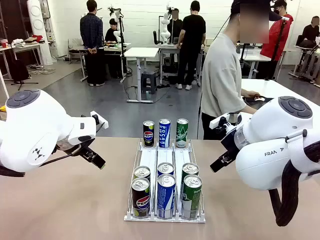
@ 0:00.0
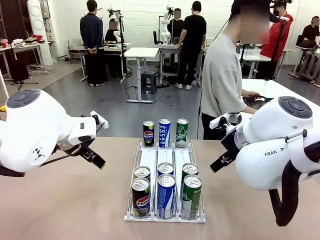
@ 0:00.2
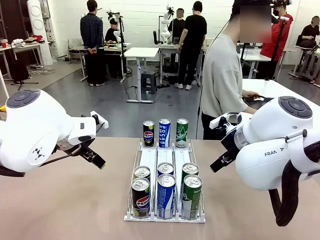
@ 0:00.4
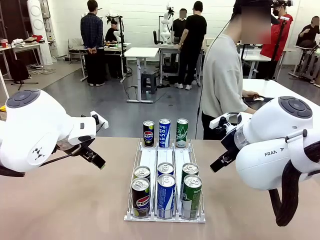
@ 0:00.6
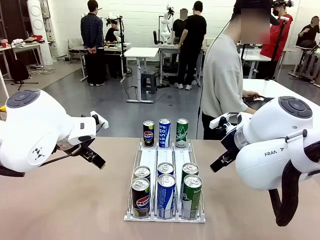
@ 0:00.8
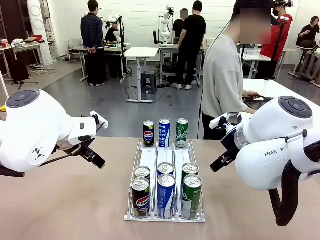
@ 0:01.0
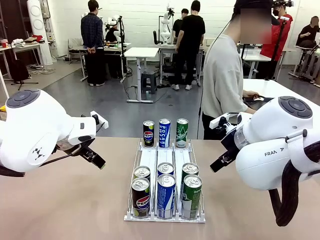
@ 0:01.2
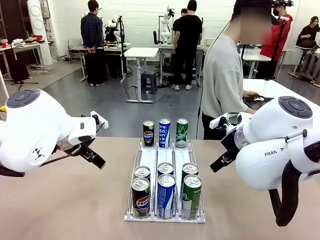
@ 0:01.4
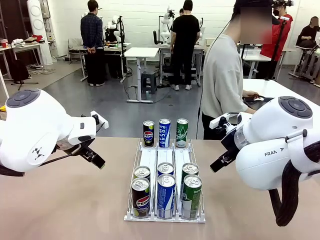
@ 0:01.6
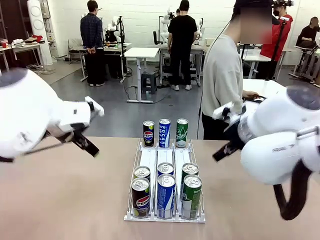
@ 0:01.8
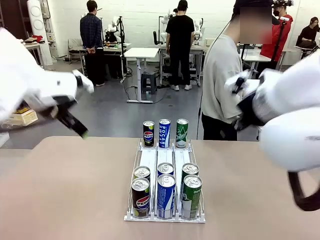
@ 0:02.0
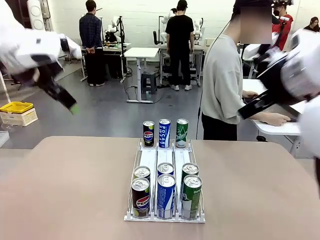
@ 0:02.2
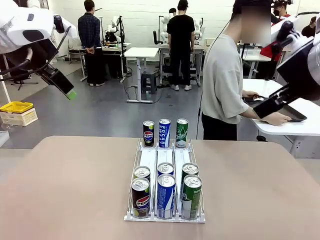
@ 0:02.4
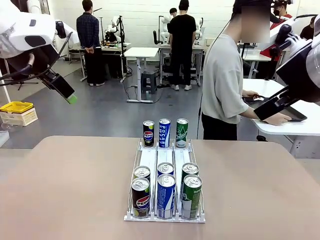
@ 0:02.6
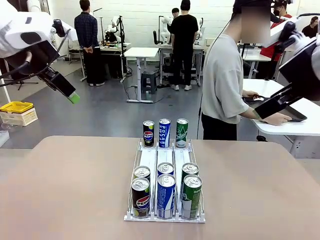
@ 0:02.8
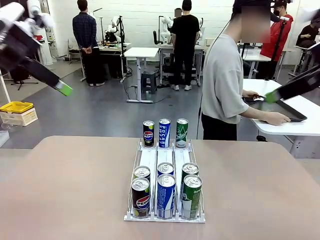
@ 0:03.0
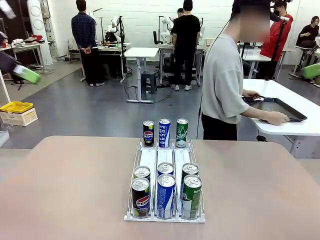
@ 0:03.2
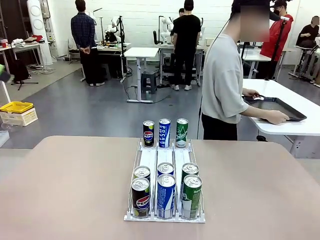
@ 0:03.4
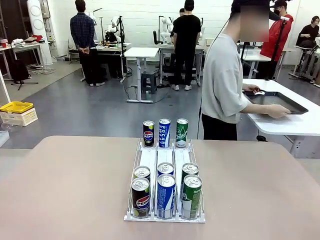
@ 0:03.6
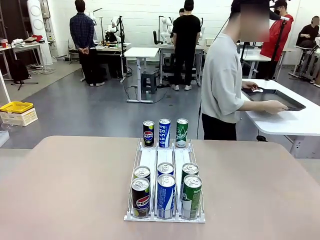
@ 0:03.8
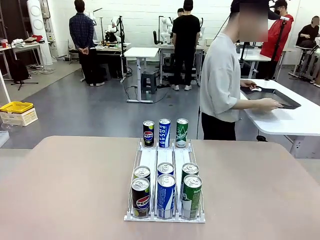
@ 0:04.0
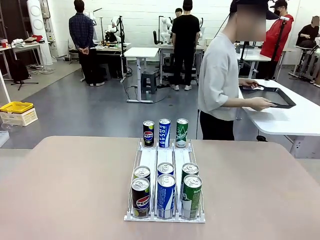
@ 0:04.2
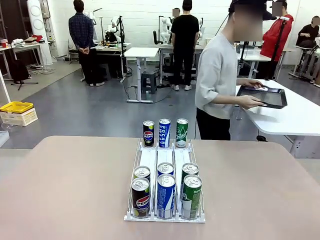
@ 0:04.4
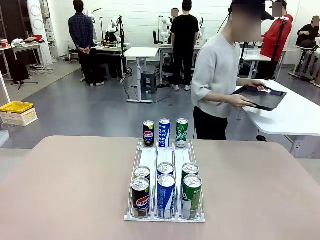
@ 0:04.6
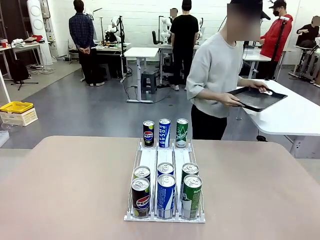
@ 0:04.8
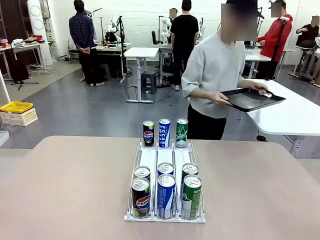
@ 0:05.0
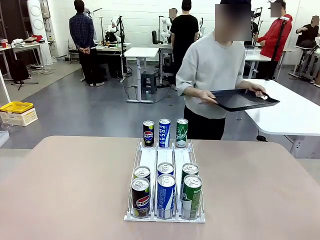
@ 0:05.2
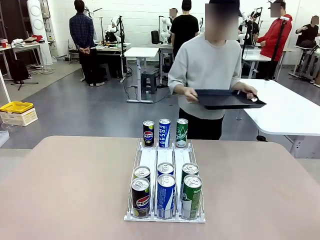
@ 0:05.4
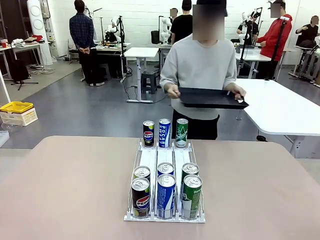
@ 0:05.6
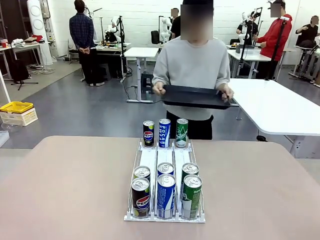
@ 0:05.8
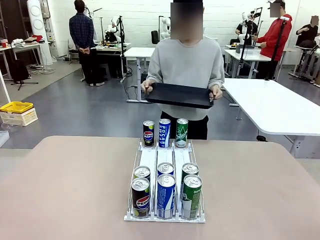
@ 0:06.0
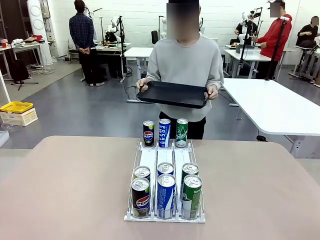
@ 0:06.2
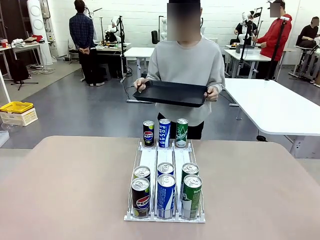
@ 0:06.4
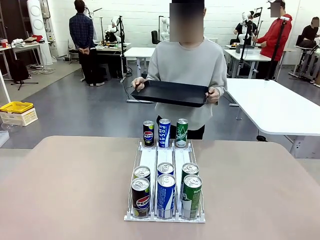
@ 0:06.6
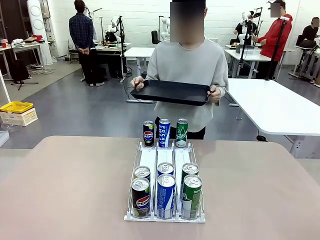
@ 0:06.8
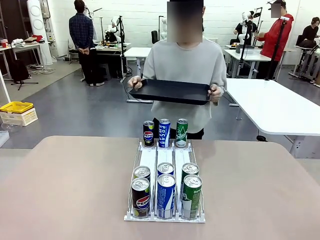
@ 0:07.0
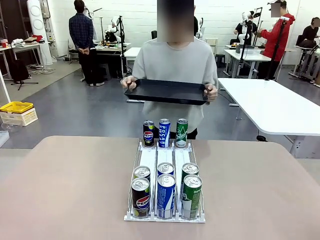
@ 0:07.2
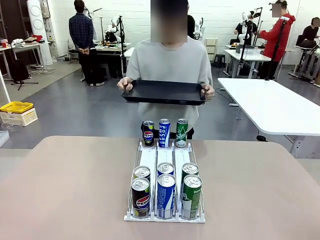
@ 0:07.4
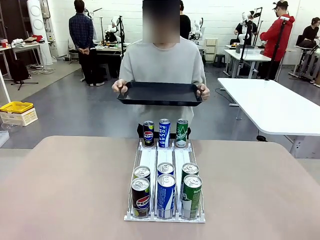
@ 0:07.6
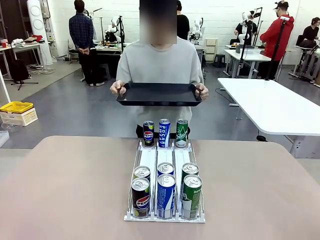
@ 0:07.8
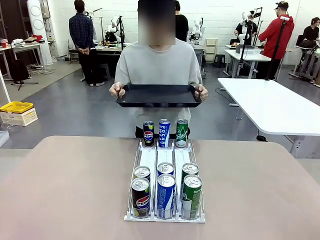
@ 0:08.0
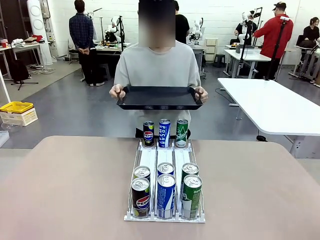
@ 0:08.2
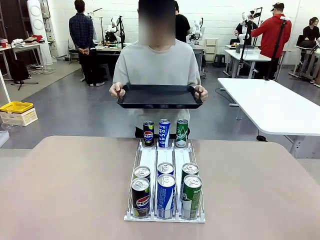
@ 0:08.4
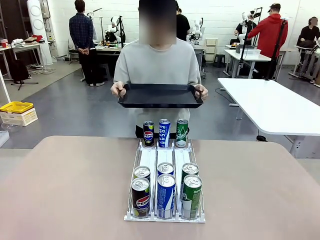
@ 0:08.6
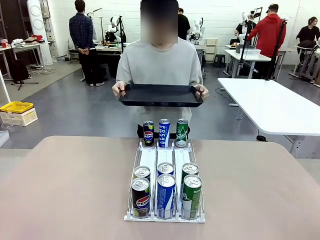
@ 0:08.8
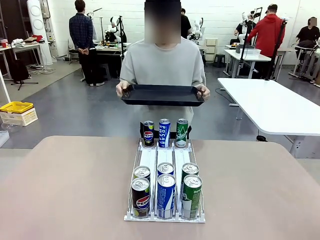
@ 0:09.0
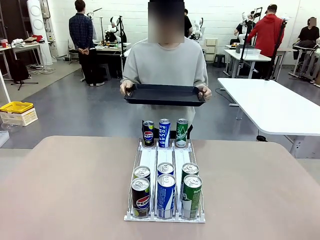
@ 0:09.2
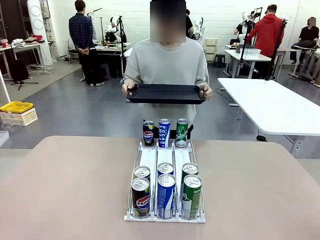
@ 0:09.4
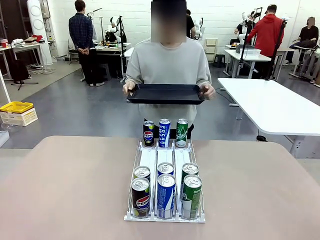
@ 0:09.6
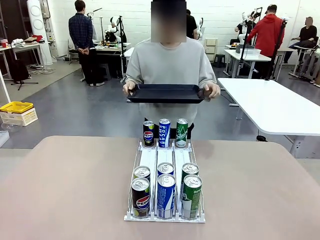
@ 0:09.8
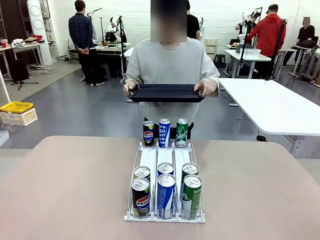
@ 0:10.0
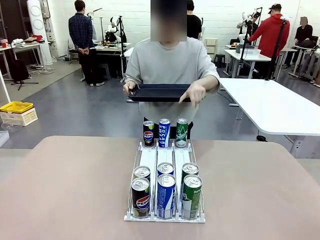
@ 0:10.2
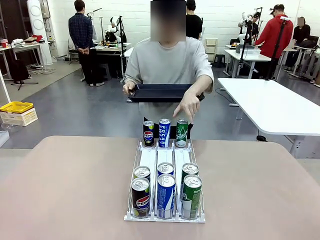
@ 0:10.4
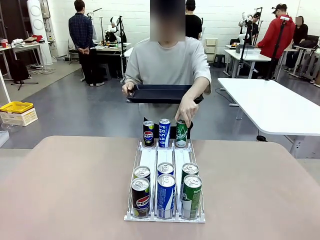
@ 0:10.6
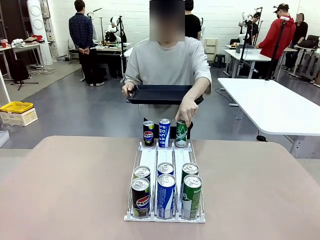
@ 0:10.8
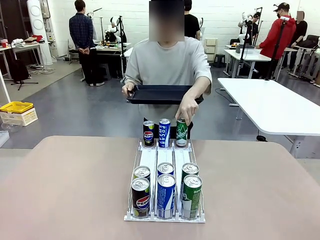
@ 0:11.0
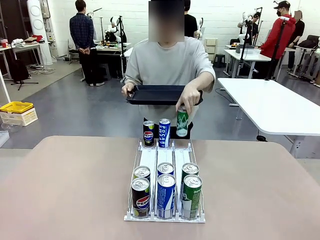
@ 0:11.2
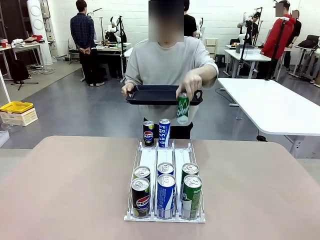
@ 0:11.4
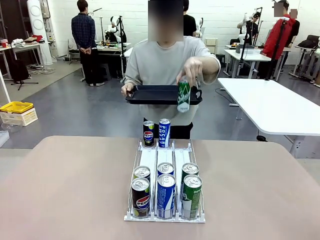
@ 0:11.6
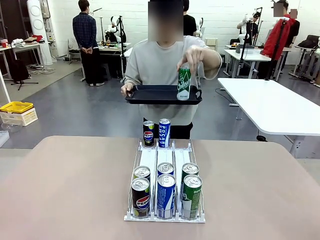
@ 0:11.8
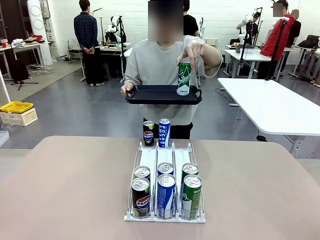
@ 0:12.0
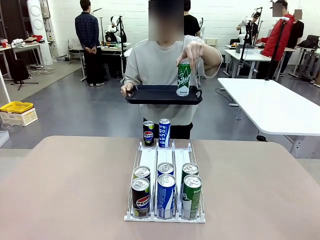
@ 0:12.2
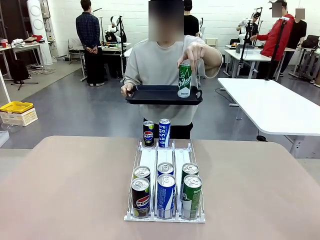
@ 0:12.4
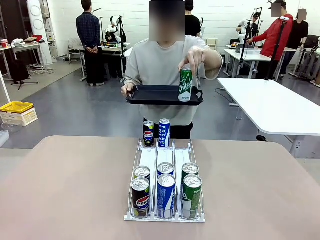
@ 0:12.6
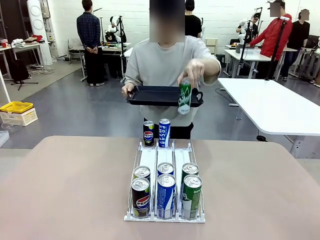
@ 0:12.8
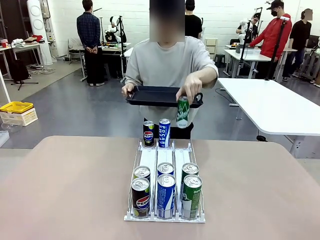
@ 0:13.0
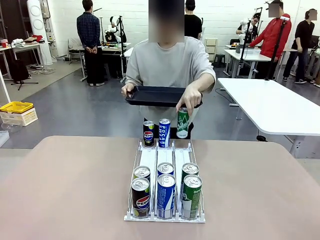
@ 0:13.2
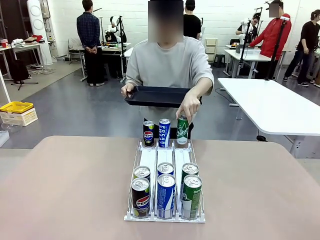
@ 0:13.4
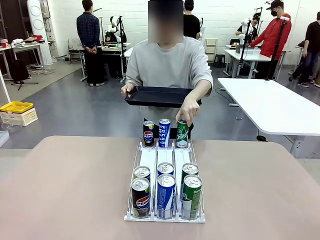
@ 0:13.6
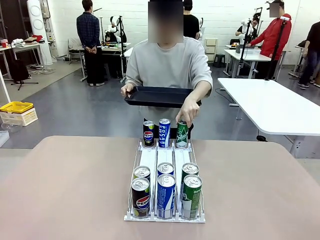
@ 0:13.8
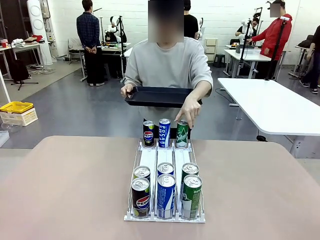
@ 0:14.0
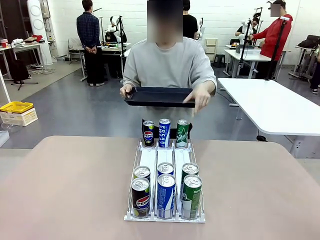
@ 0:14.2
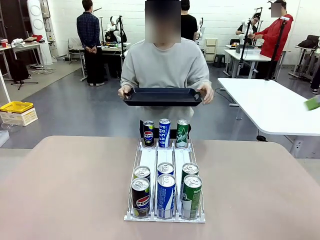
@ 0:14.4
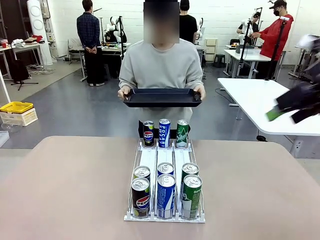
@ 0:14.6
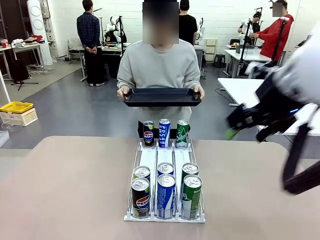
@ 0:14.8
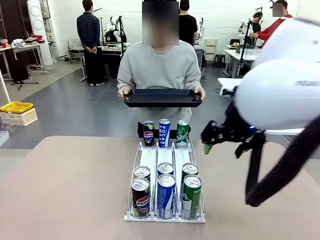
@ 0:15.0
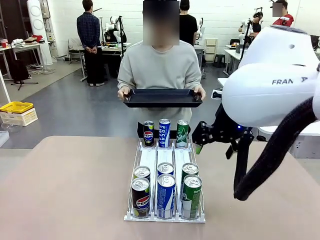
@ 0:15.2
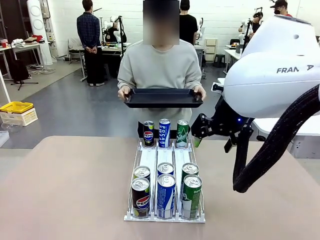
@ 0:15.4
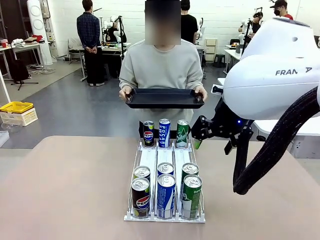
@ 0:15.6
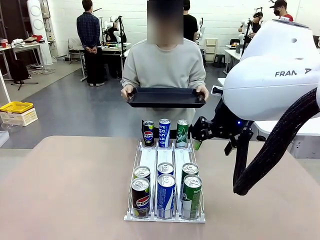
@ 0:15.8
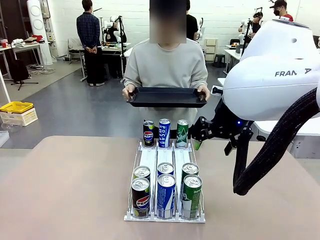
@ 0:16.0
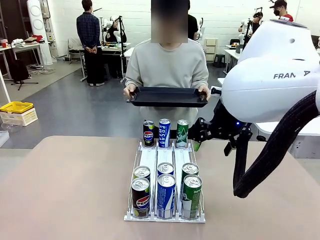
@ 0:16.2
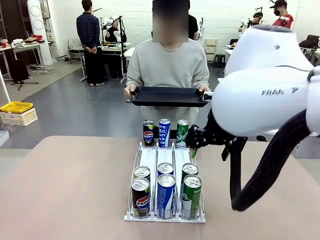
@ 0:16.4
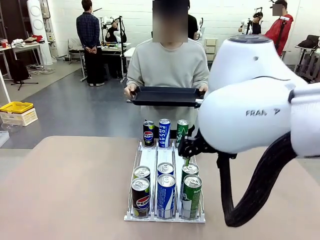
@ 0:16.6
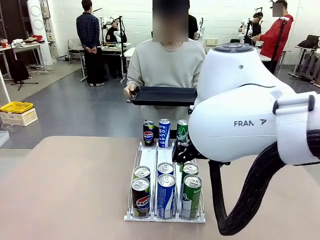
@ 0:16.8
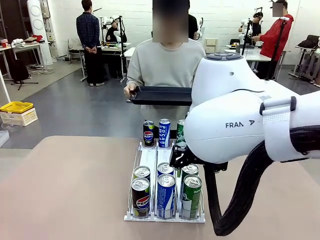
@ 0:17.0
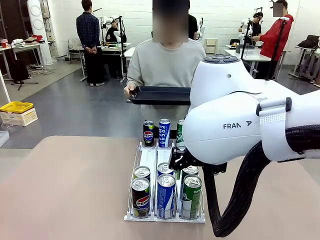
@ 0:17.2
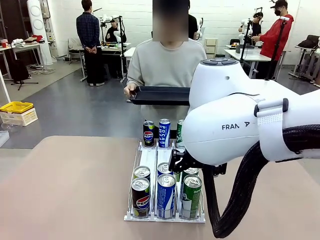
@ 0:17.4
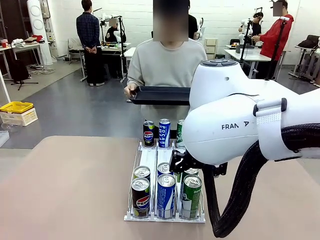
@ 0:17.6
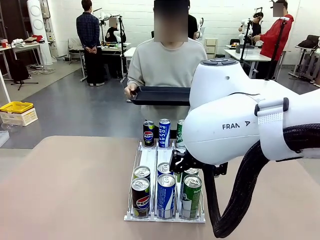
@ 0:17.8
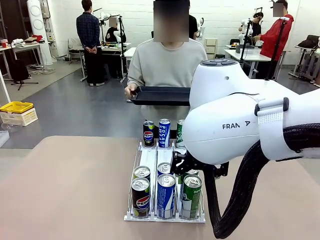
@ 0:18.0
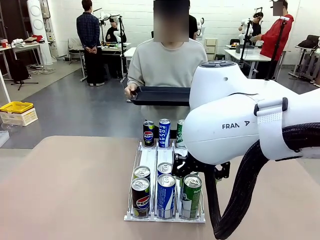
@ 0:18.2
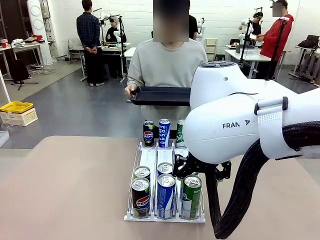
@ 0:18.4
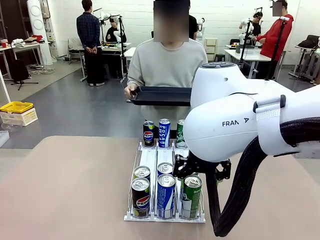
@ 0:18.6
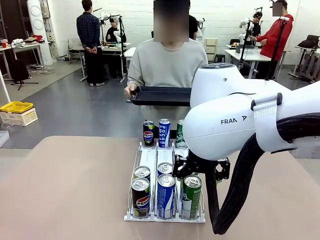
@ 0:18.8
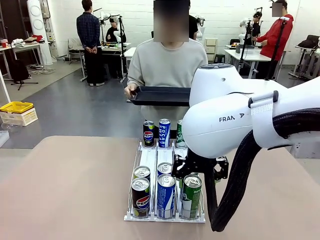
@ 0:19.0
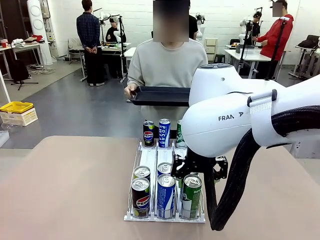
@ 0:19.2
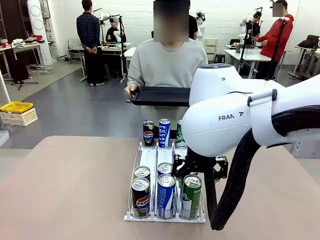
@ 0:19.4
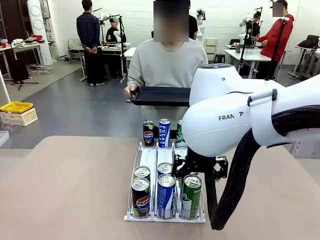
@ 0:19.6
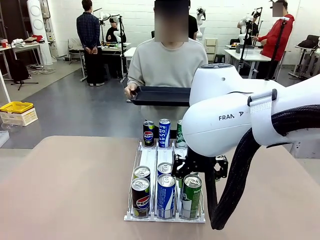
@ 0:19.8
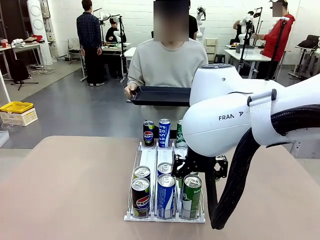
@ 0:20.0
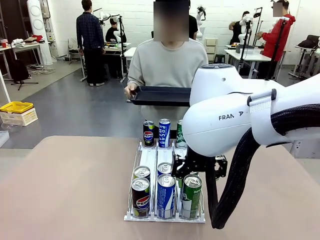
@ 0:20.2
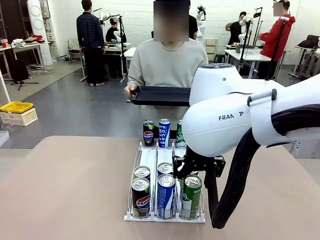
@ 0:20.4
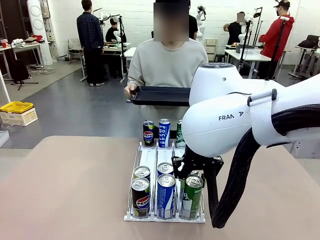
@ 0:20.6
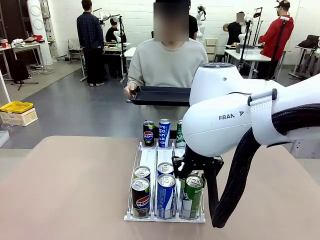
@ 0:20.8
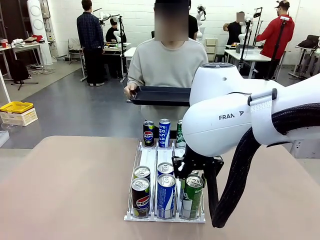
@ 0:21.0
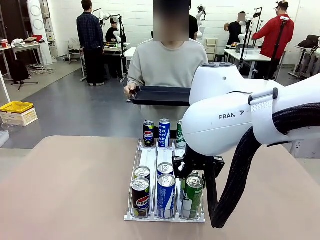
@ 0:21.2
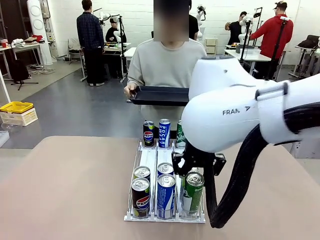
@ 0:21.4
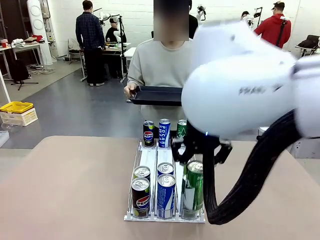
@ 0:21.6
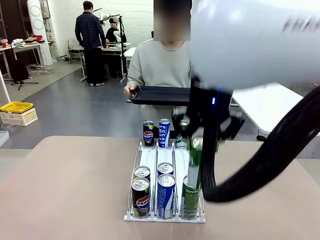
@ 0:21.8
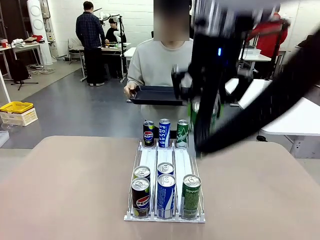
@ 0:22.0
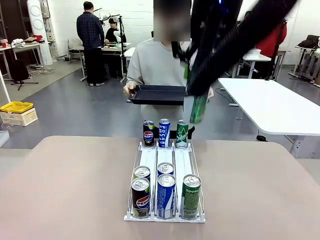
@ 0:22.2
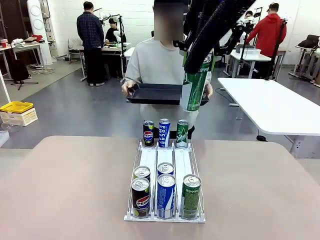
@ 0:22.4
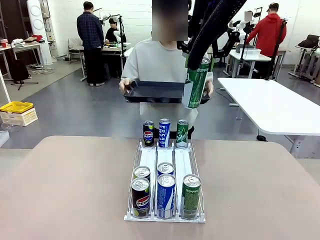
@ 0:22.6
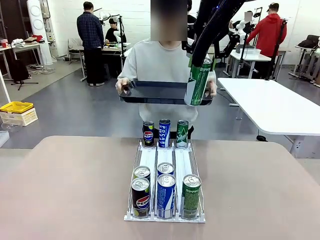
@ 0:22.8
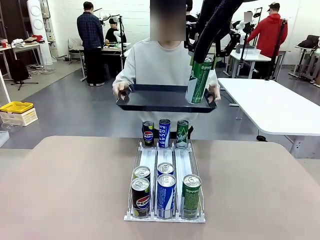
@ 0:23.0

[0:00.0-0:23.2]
Task: Retrieve and hand over the desired beverage to the person.
Robot: Pick up a can of the same type that the person held from the Automatic Can Dispenser.
Person: Hold the tray and position yourself in front of the robot table. Pick up one can from the bottom area of the table and puts it back in its original place. Push the tray toward the robot.
